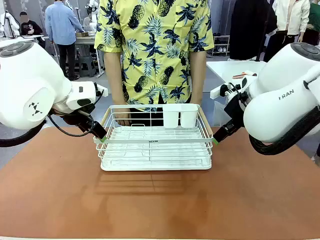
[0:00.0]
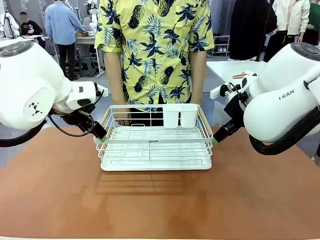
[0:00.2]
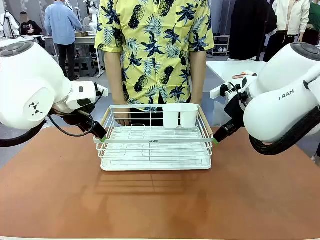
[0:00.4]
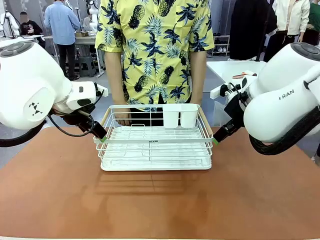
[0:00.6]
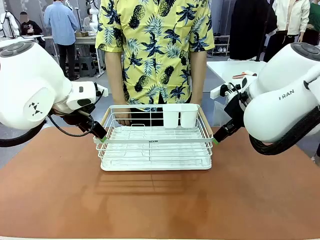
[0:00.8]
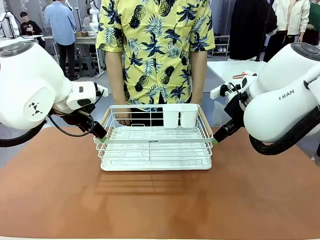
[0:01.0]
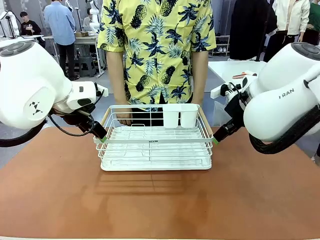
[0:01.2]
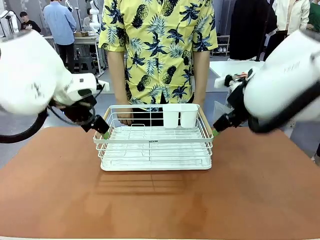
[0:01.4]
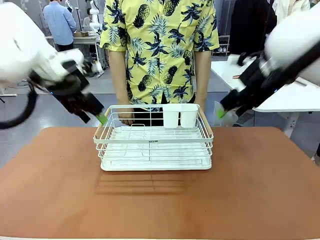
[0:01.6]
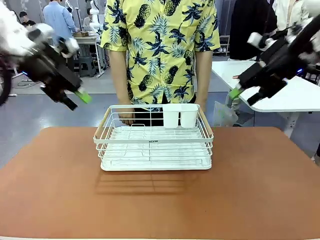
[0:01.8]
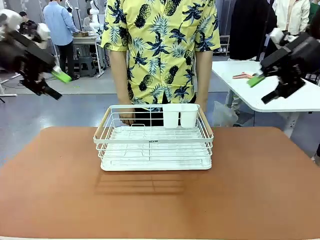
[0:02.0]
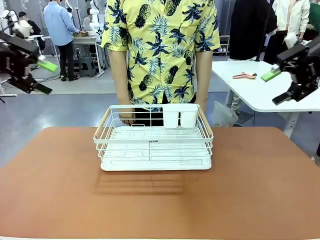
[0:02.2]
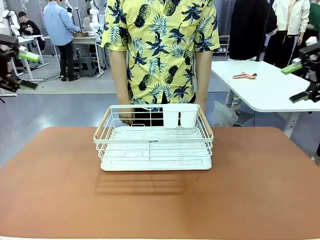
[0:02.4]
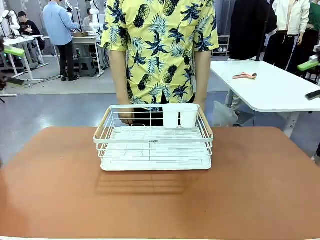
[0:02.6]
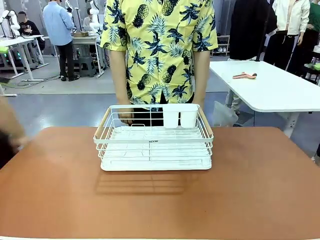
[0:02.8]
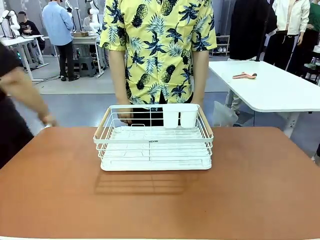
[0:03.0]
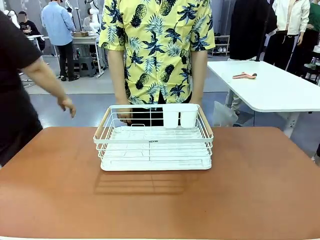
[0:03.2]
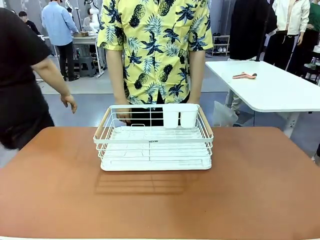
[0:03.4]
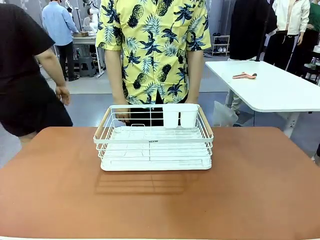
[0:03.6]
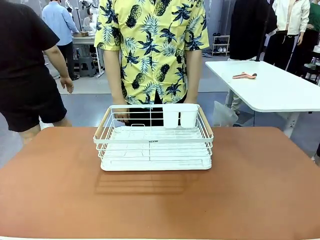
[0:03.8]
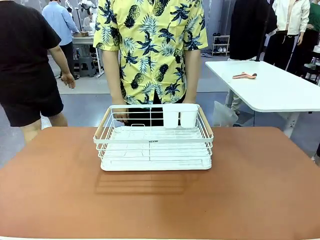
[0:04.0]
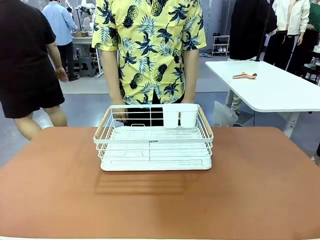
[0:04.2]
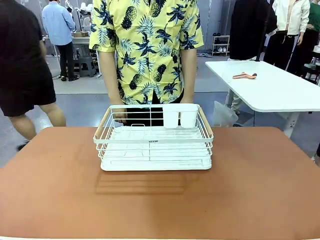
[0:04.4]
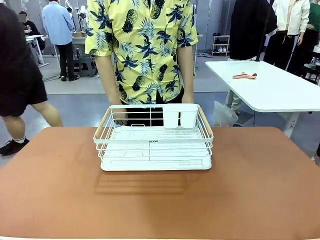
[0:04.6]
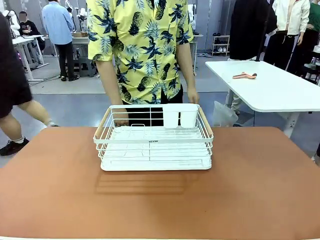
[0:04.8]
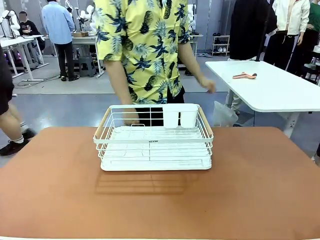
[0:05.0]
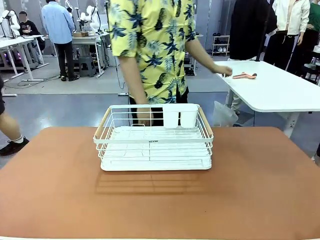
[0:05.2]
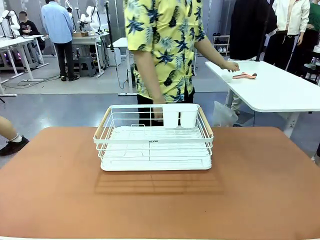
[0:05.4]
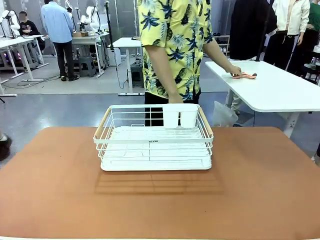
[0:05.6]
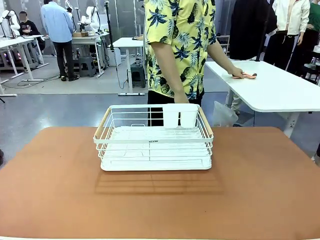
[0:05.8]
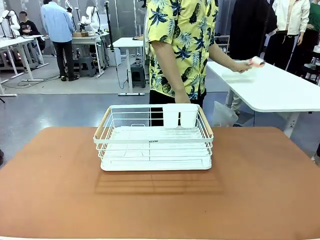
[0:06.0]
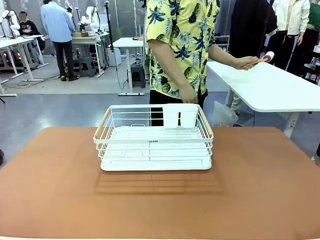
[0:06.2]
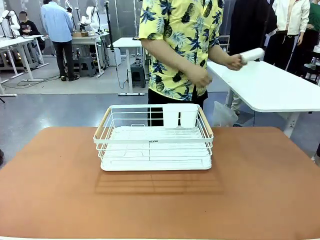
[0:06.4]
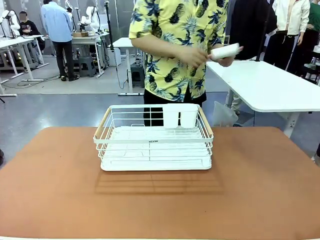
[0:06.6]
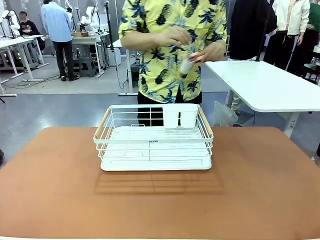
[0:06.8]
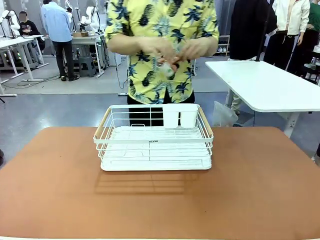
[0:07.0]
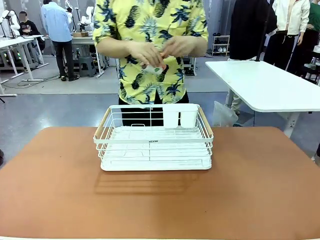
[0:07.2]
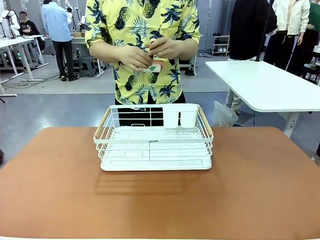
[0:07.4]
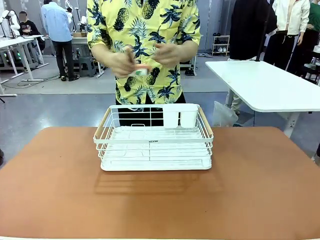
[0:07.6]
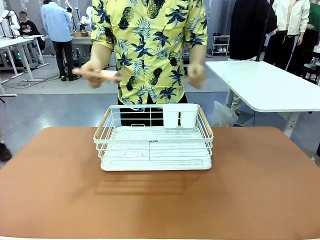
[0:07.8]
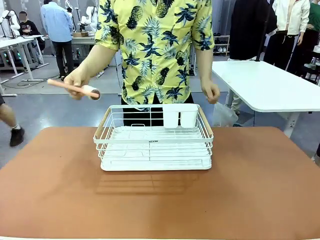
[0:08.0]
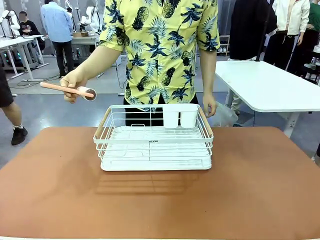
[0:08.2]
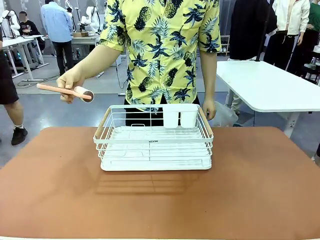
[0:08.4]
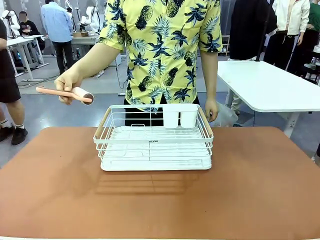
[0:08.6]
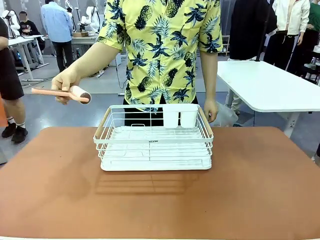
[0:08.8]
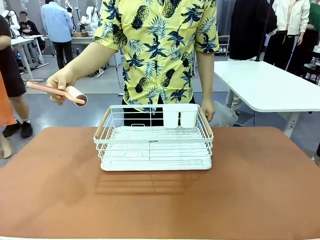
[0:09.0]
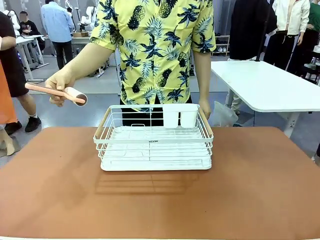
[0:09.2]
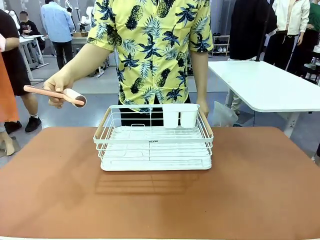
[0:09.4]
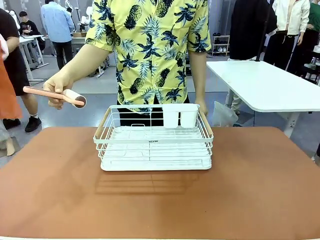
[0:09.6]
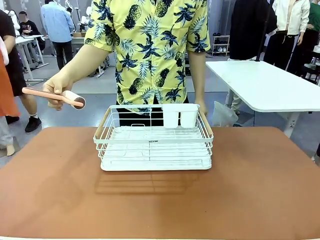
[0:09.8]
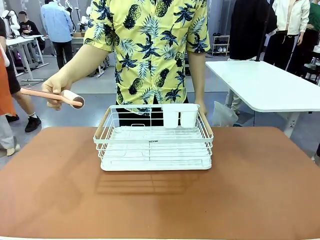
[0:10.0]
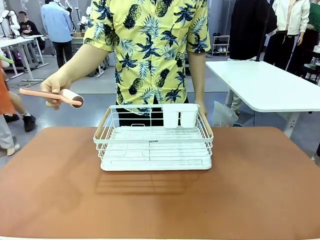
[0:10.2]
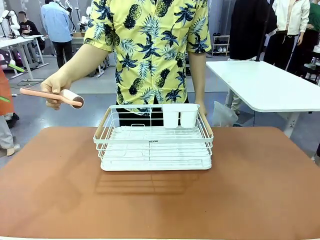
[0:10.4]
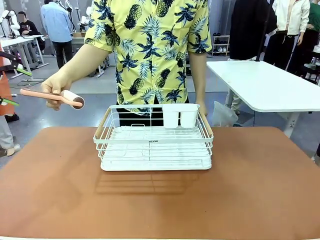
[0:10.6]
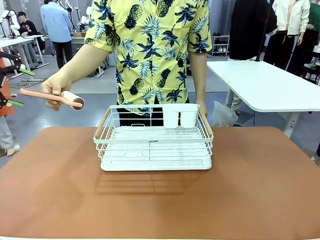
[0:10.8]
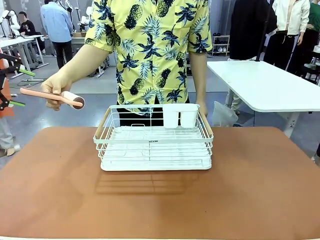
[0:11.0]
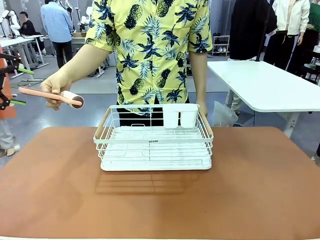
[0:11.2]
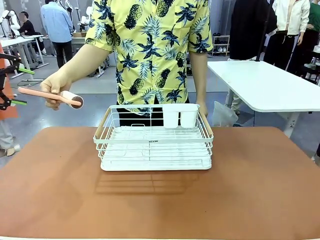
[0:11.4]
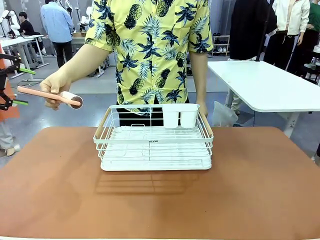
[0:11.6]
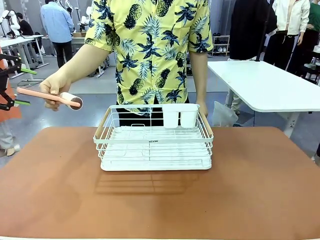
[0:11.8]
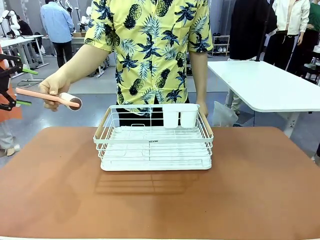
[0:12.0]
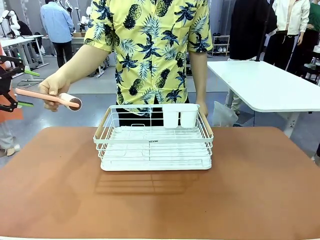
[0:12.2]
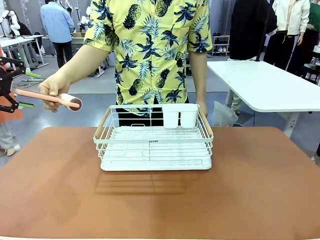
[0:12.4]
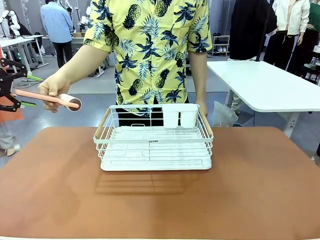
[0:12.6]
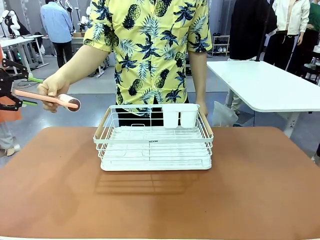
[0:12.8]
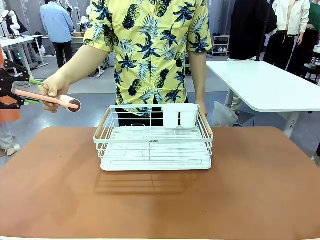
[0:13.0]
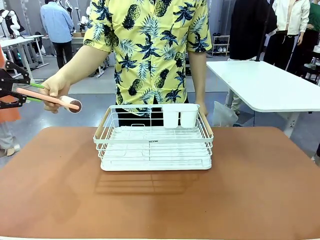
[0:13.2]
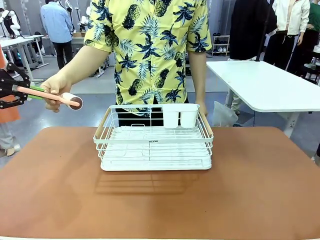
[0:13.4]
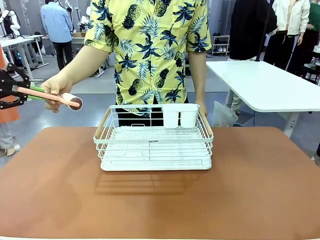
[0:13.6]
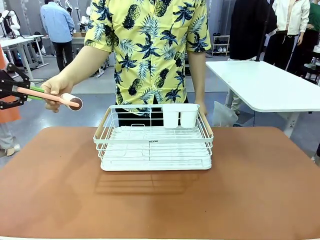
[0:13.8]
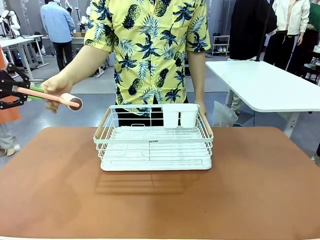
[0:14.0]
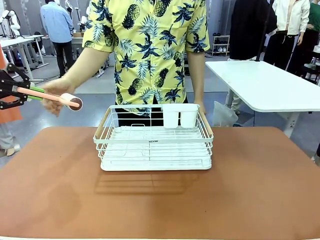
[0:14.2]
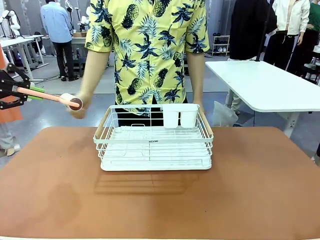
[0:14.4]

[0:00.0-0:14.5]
Task: Clean the table.
Robot: Pick up the Lint Roller when the human hands it over.
Person: Hand the Lint Roller to the robot so it can easily pick it up. Lift the Dish drying rack.
